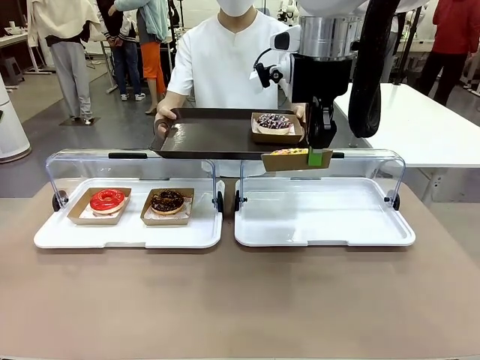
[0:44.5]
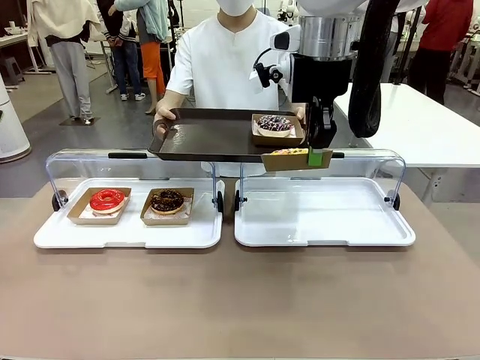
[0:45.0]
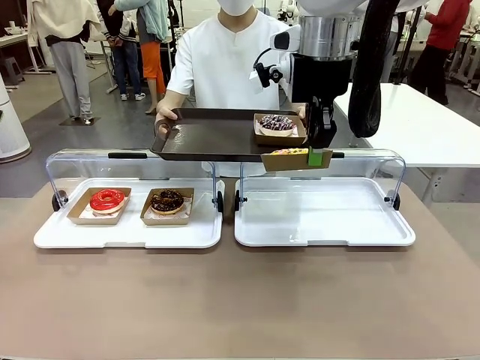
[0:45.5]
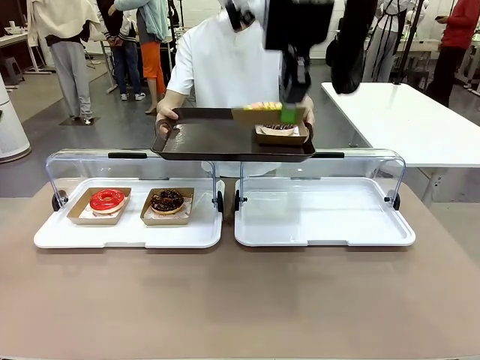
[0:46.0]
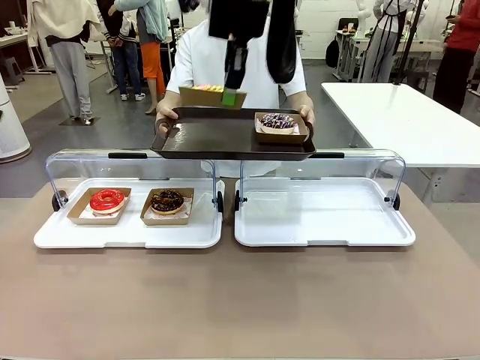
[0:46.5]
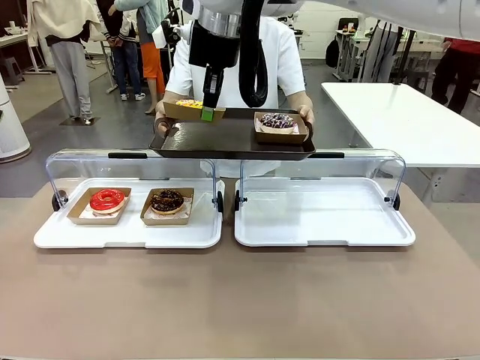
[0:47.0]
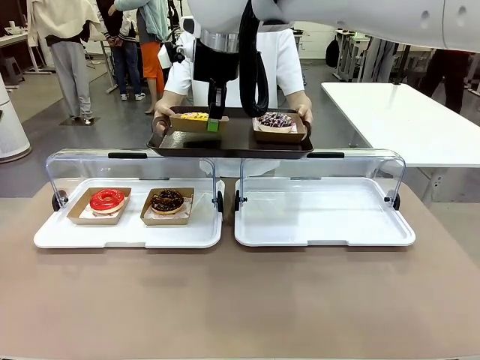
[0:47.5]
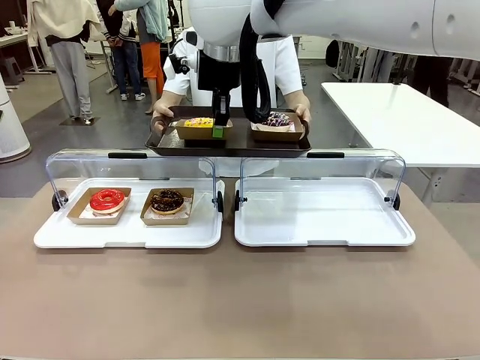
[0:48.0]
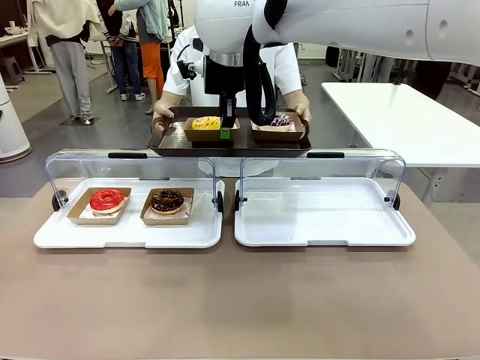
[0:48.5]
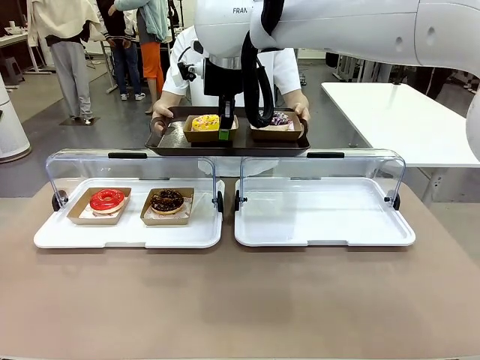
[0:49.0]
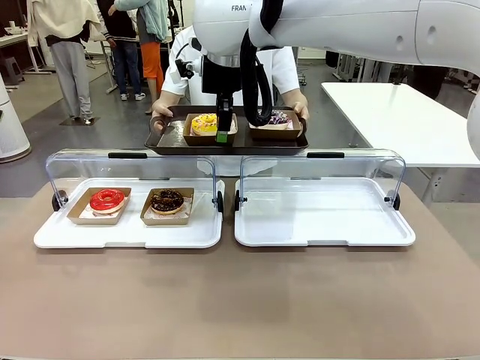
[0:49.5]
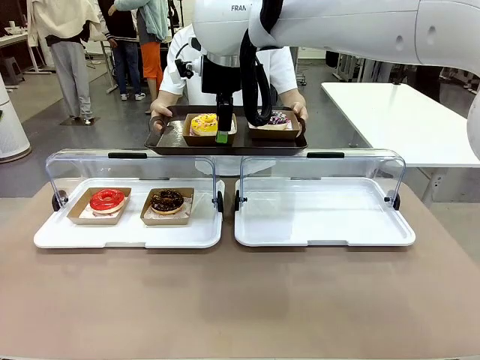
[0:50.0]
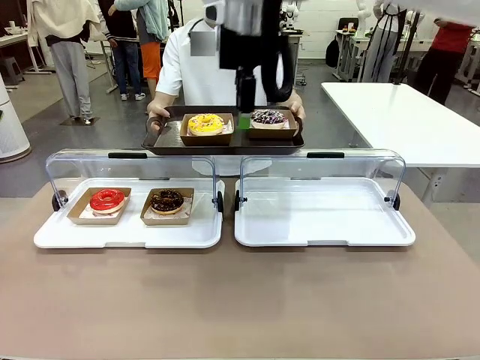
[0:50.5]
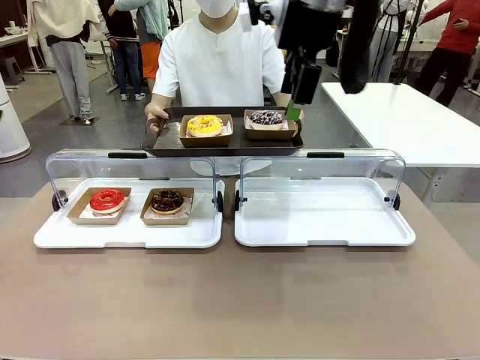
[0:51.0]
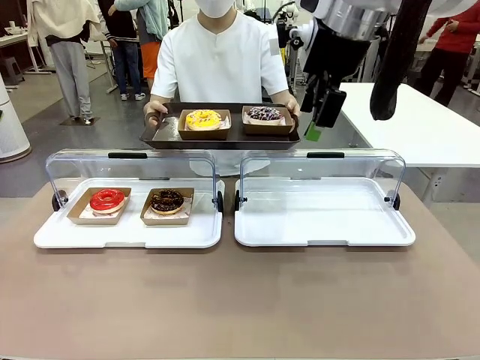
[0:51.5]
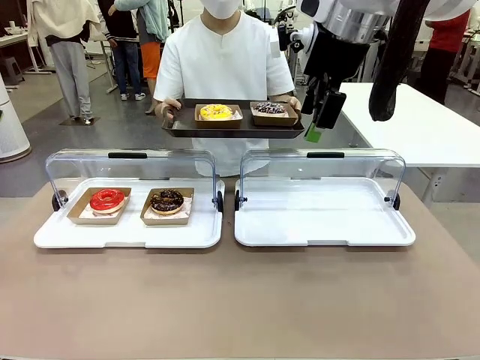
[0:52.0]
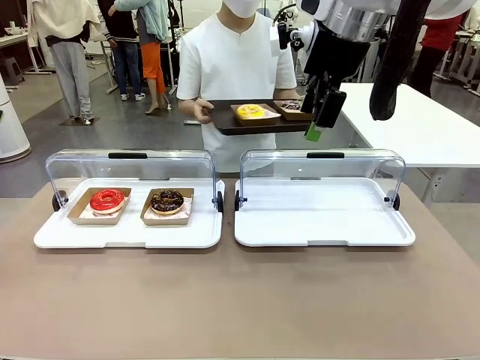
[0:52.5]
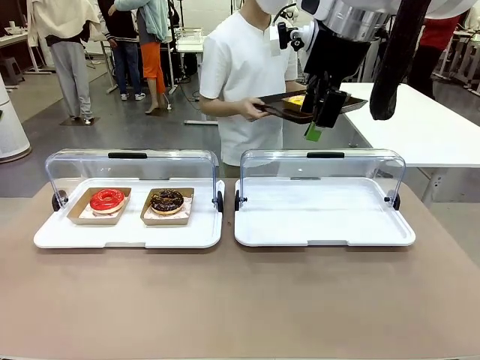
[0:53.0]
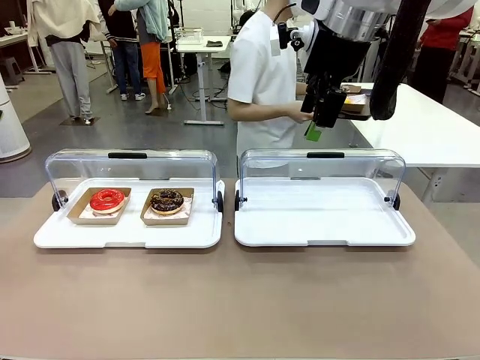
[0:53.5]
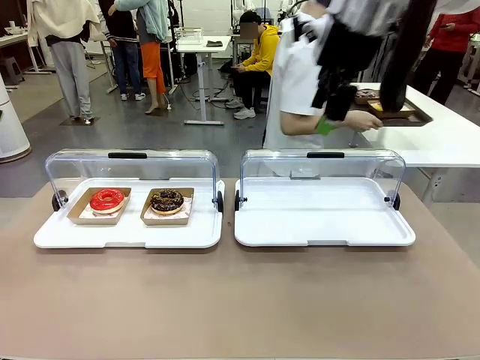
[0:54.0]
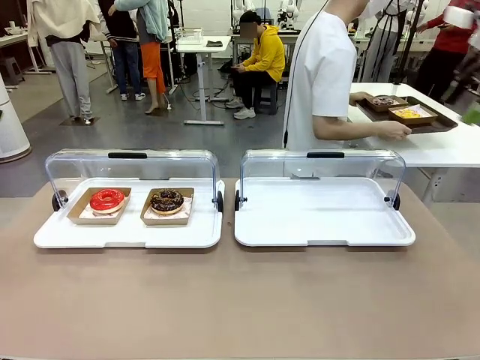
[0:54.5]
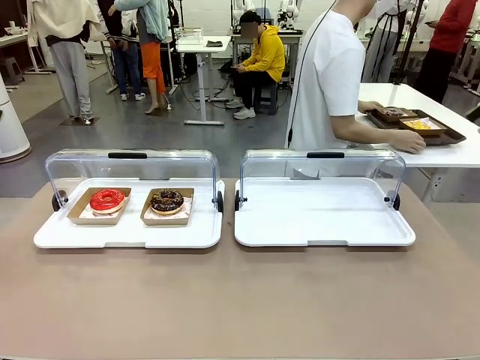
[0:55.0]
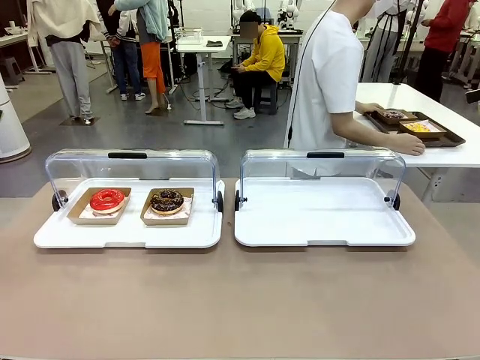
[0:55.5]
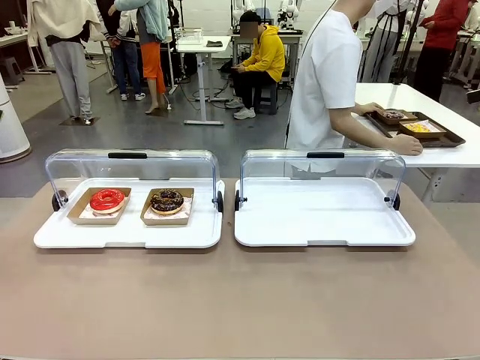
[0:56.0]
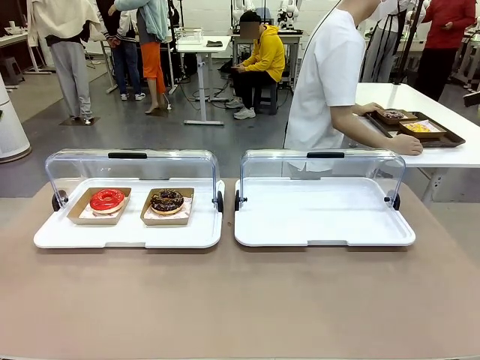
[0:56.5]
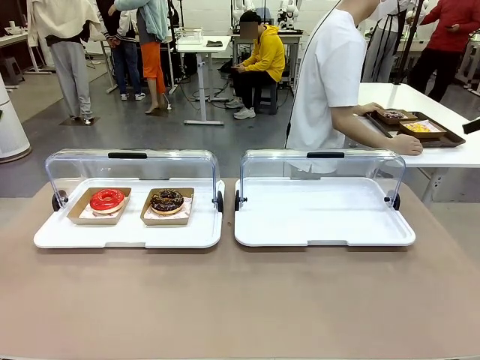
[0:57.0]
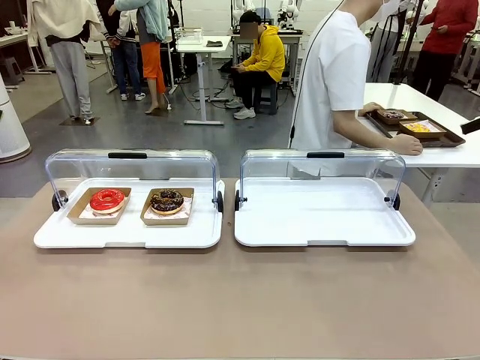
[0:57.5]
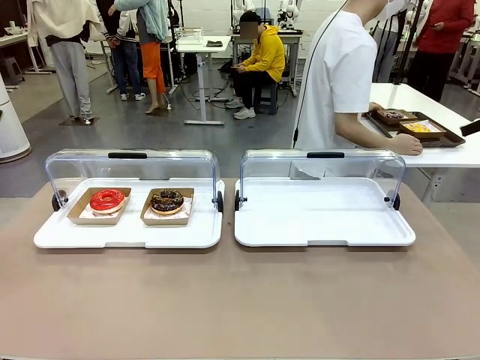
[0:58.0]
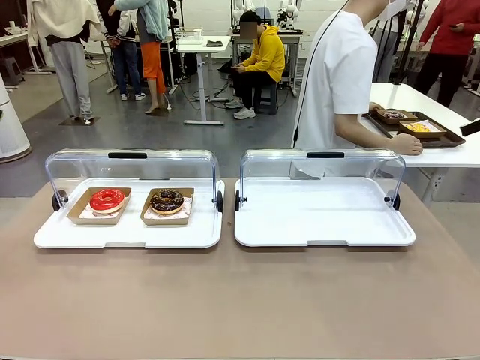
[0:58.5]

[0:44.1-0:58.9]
Task: Provide the desired donut to the person.
Robot: Place the picked Paper togo box onto the Handle tray extended by the person.
Person: Place the tray in the middle of the human table.

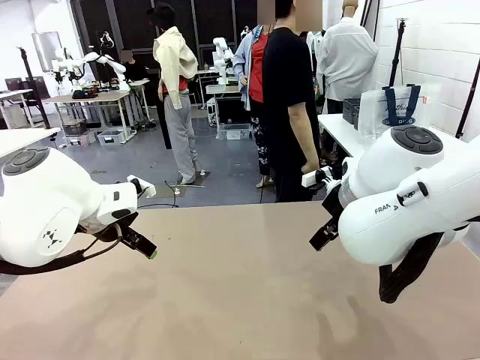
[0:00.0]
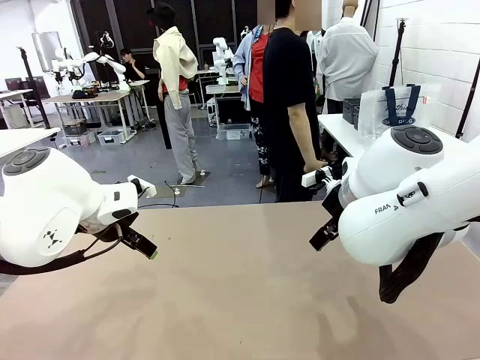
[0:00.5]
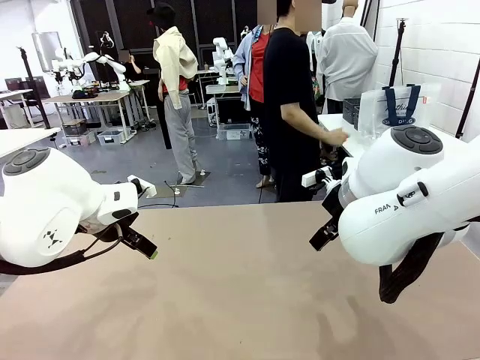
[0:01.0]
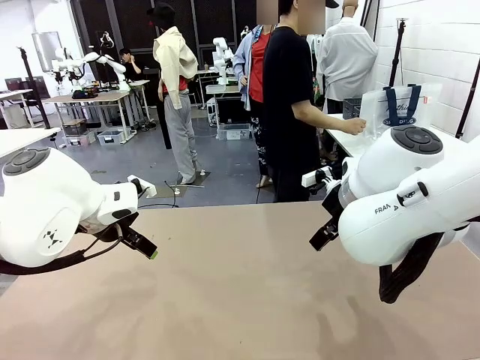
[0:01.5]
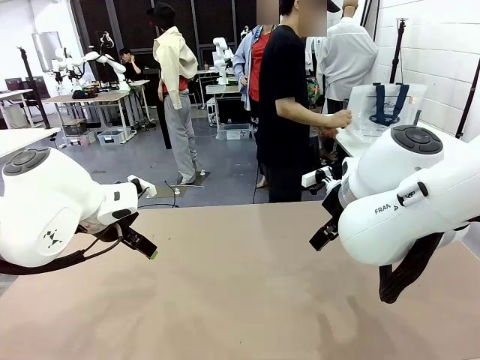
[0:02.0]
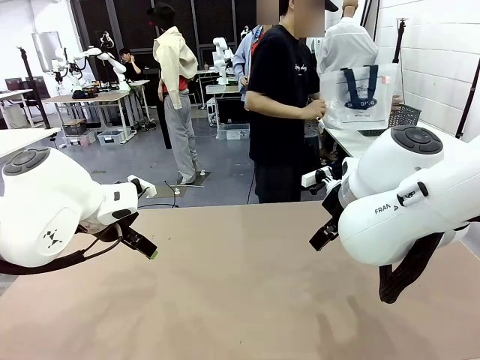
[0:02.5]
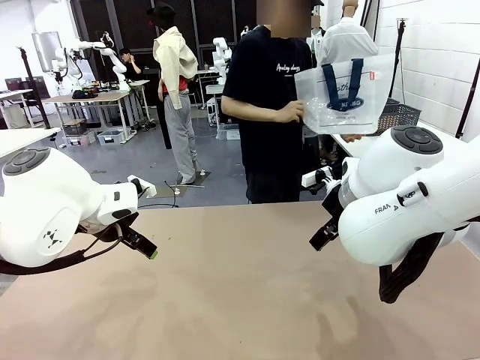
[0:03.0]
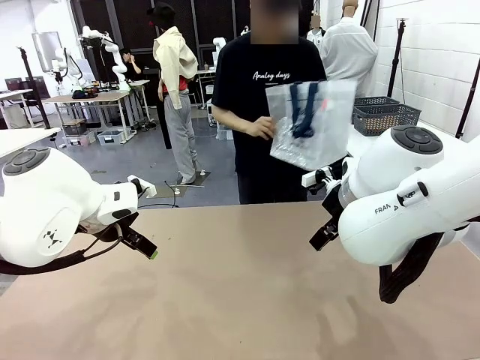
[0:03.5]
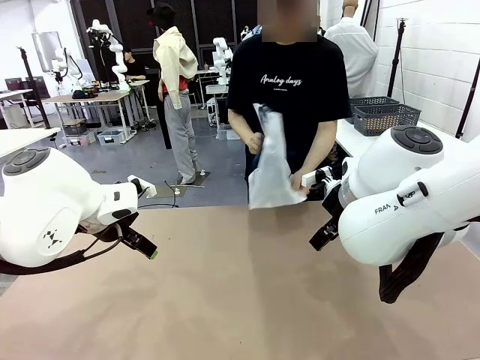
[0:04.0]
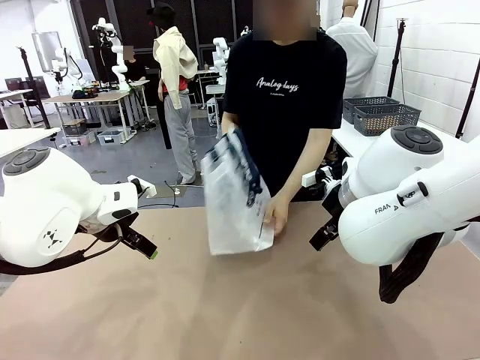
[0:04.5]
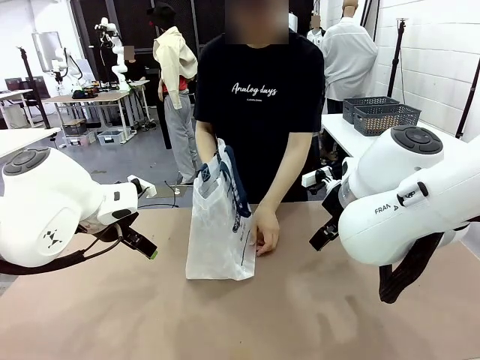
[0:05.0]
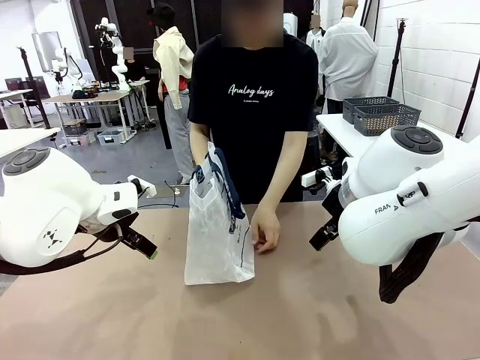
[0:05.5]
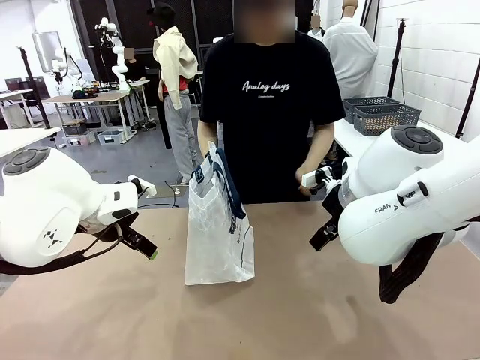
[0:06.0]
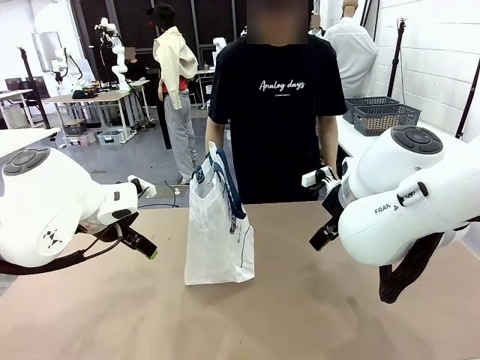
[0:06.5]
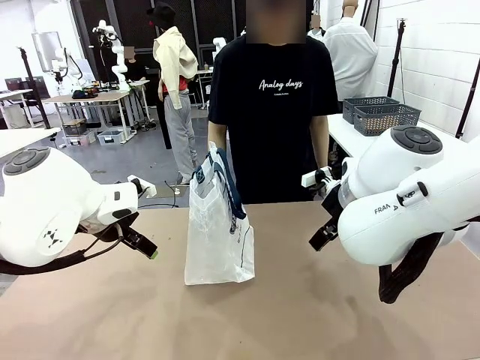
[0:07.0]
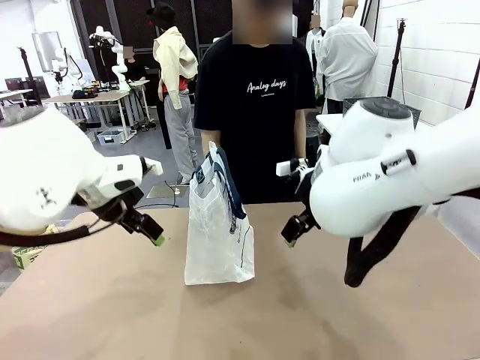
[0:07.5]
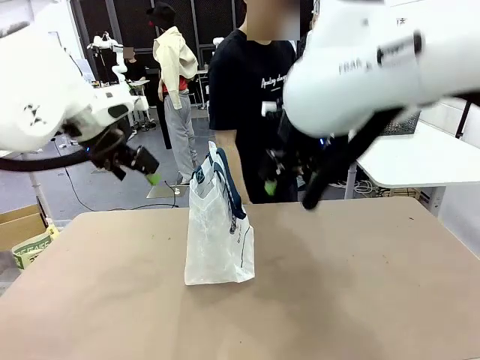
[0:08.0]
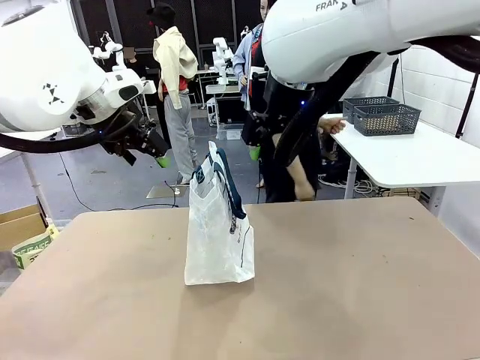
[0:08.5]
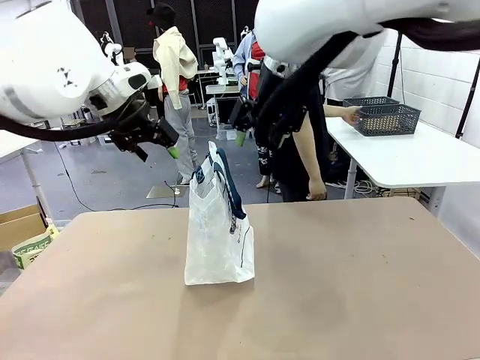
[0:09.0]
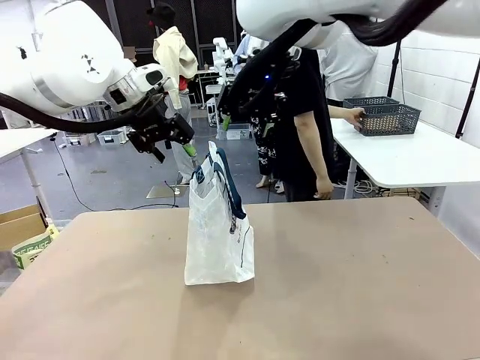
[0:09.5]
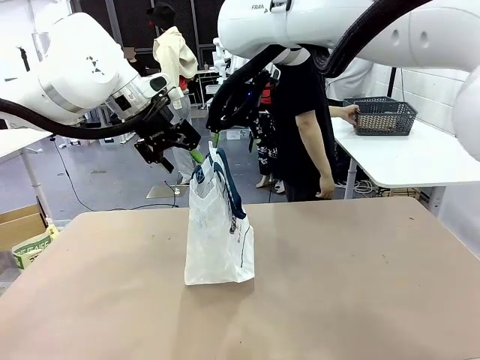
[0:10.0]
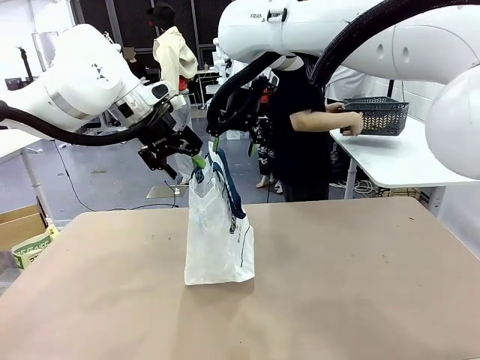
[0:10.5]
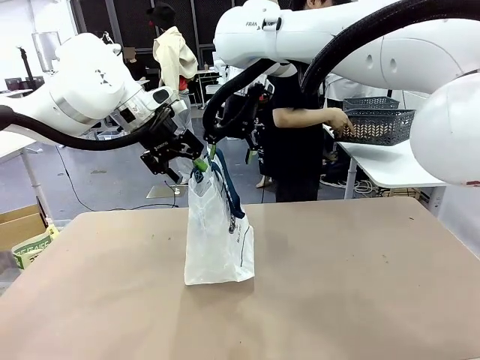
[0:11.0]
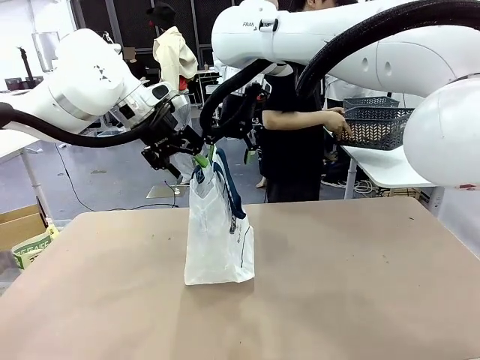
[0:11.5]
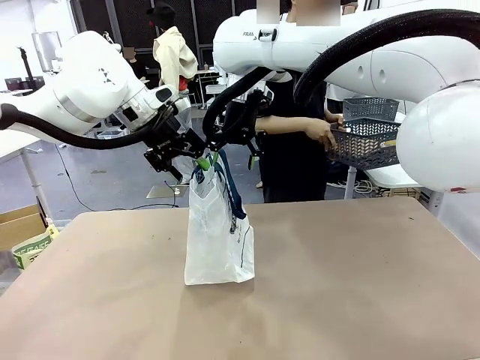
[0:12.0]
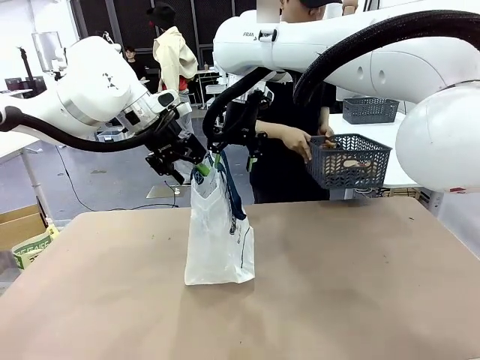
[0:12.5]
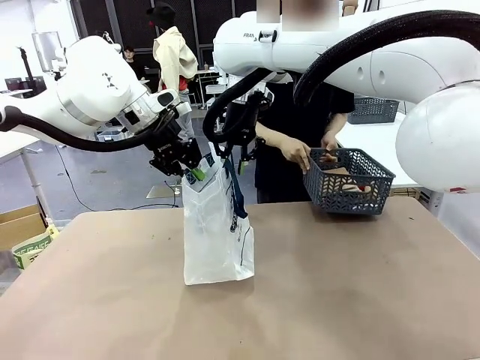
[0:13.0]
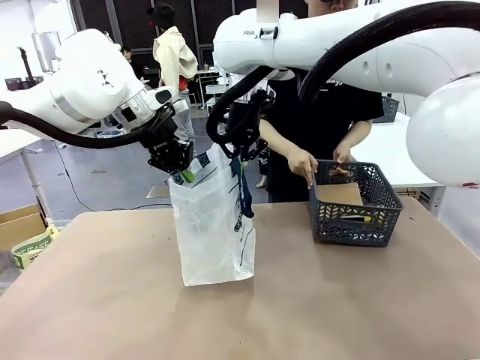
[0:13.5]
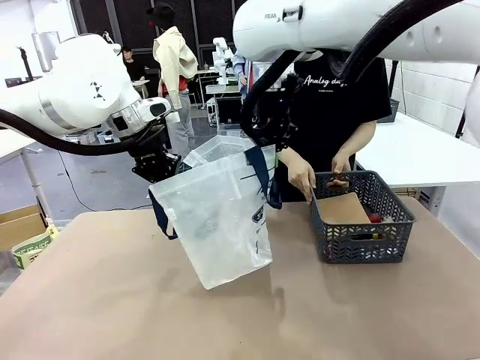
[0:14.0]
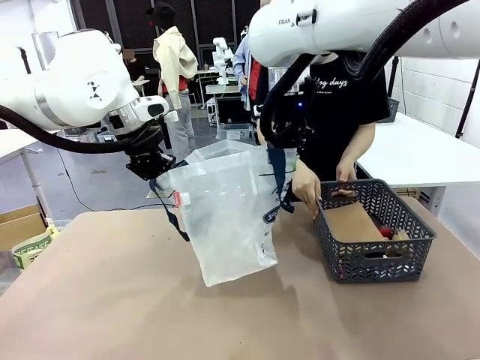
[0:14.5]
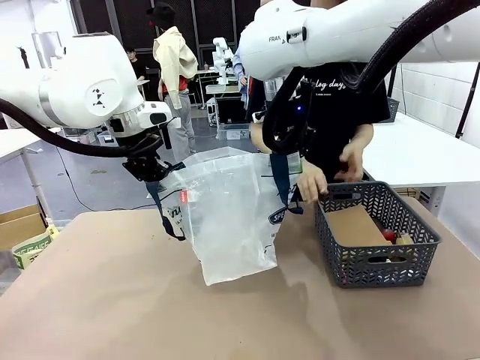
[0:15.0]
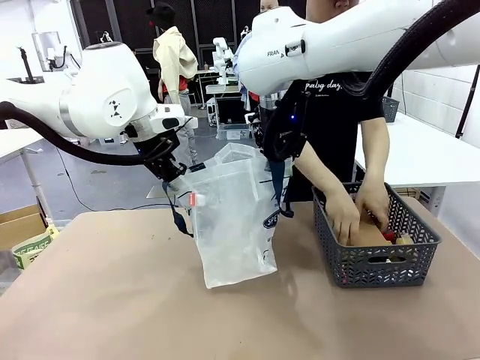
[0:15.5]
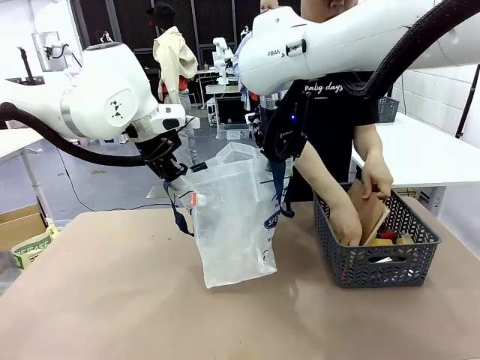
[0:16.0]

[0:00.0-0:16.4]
Task: Transfer purchased items from the store into the shopping bag.
Robot: Open the Reusable shopping bag in the center of the table.
Person: Pick up the shopping bag and place it in the middle of the robot table.
